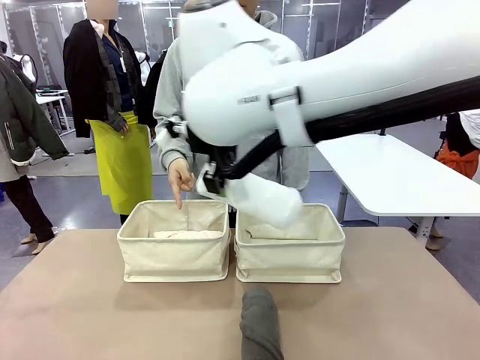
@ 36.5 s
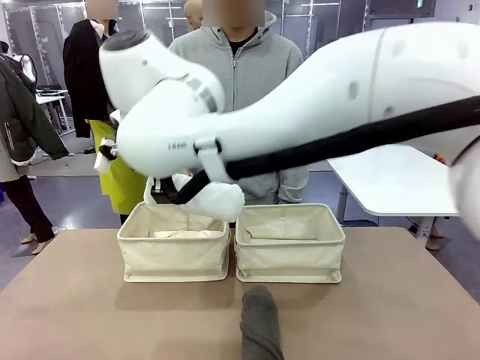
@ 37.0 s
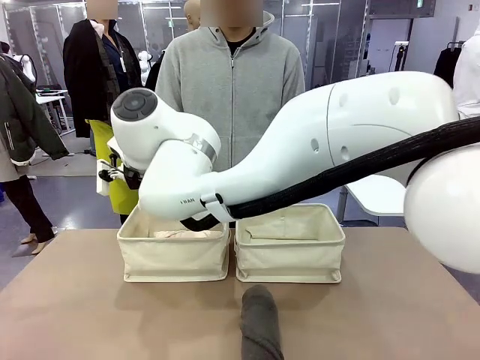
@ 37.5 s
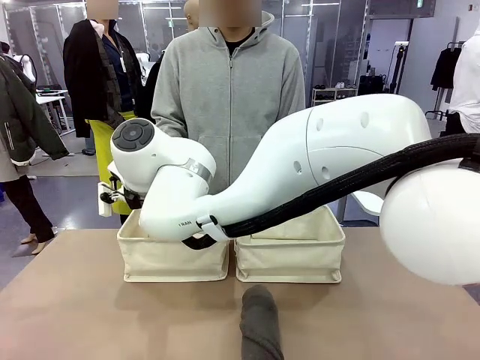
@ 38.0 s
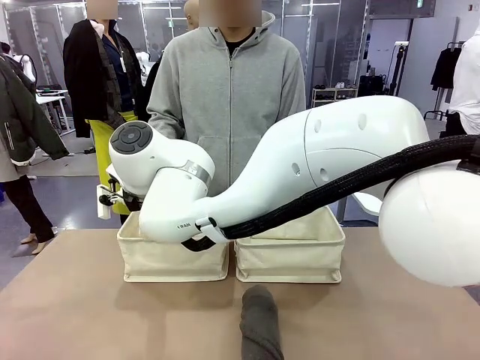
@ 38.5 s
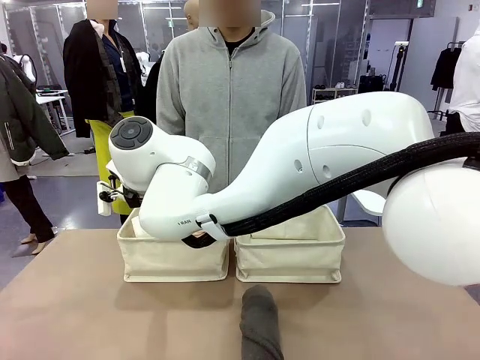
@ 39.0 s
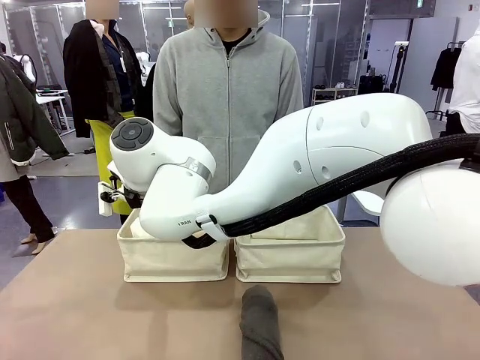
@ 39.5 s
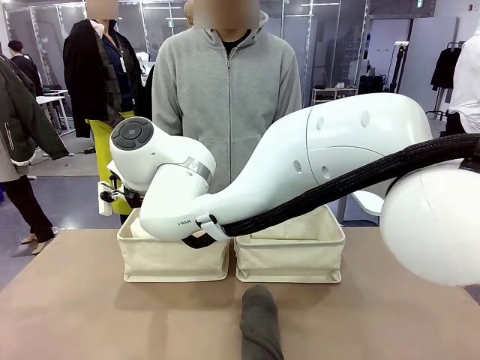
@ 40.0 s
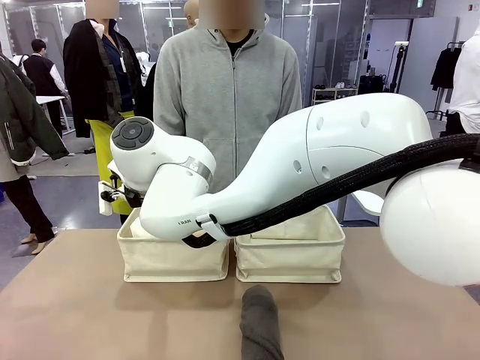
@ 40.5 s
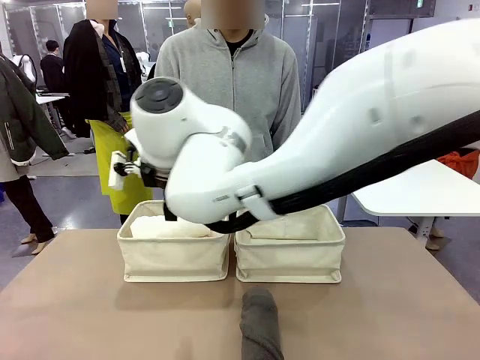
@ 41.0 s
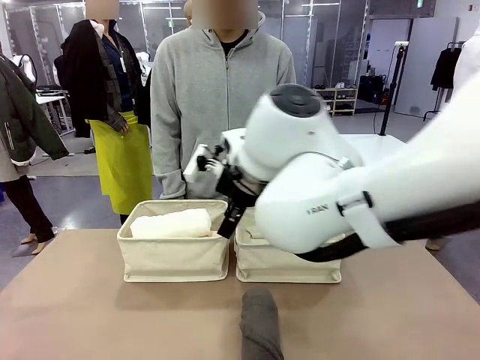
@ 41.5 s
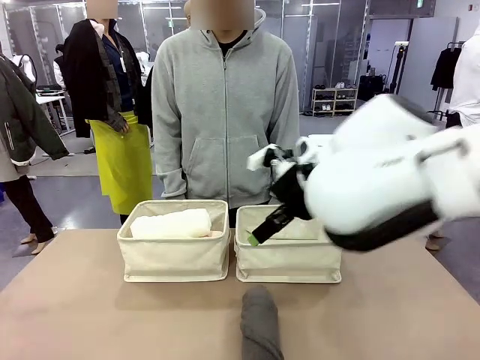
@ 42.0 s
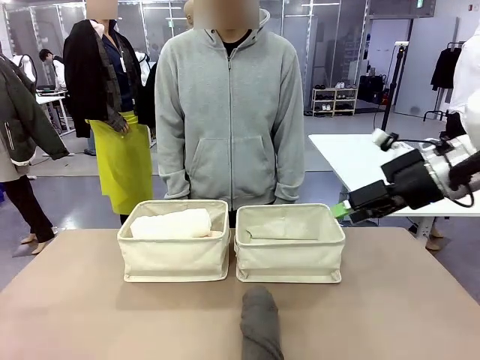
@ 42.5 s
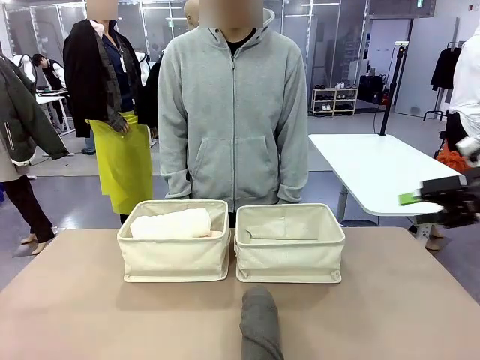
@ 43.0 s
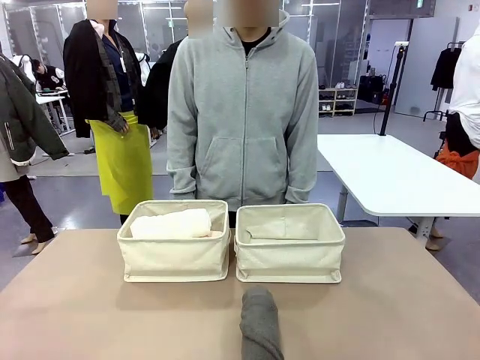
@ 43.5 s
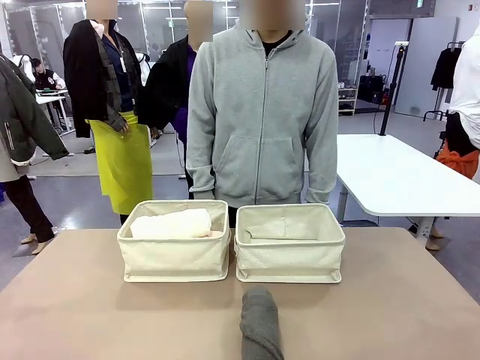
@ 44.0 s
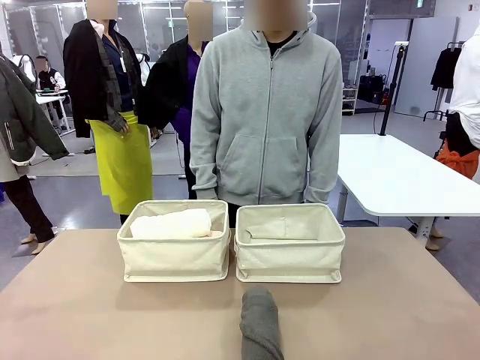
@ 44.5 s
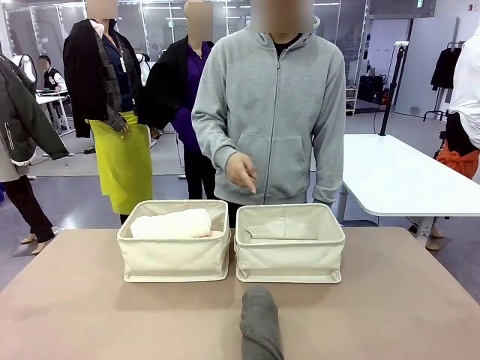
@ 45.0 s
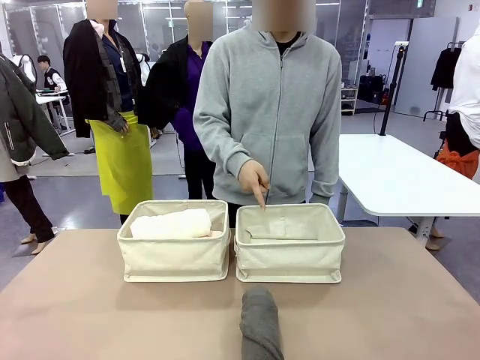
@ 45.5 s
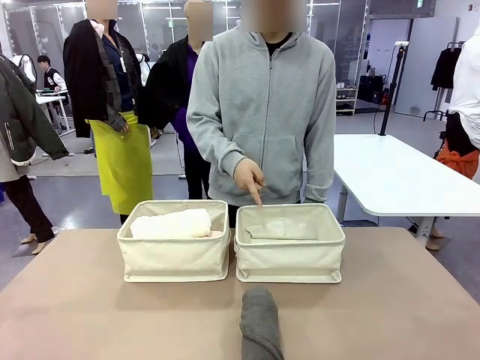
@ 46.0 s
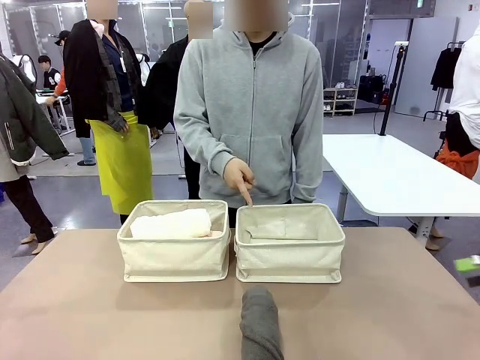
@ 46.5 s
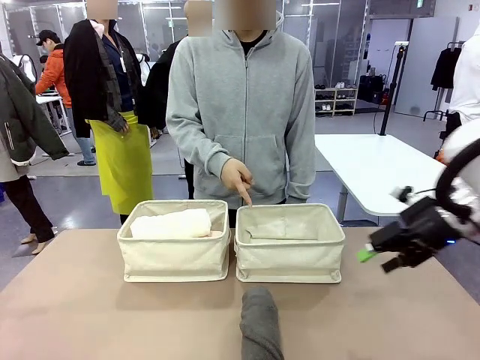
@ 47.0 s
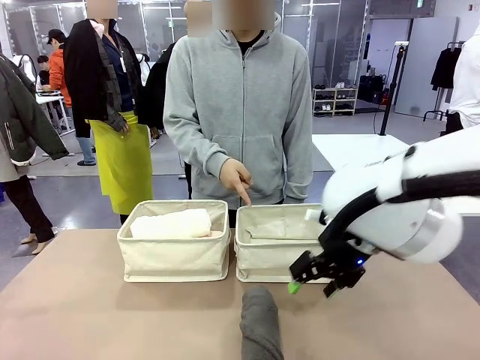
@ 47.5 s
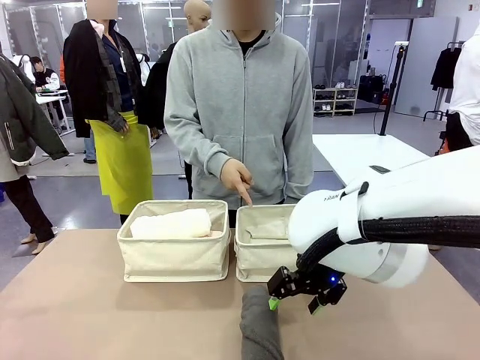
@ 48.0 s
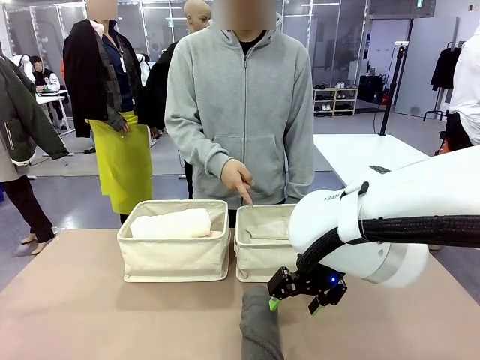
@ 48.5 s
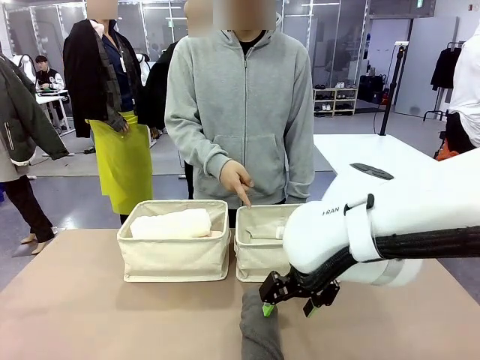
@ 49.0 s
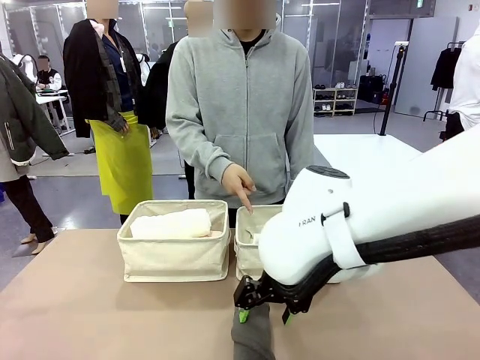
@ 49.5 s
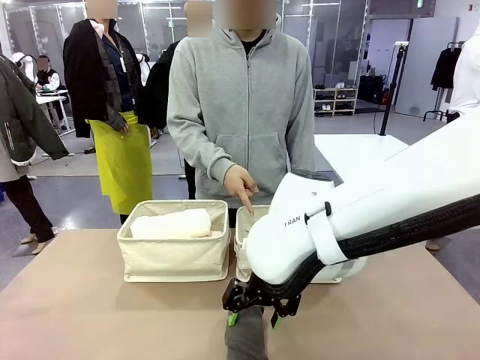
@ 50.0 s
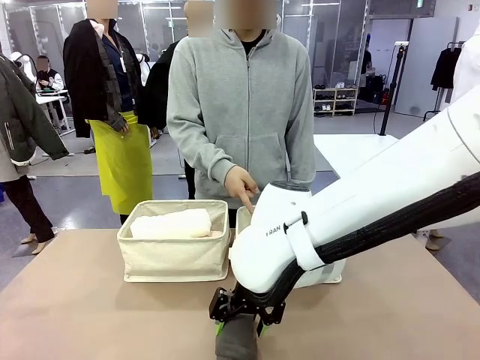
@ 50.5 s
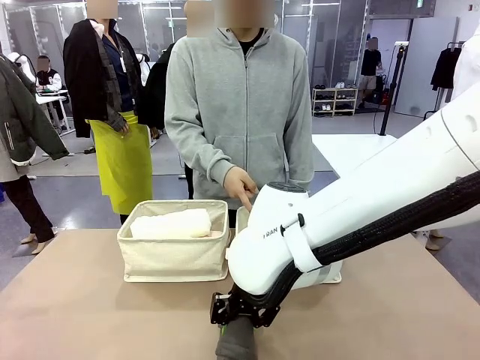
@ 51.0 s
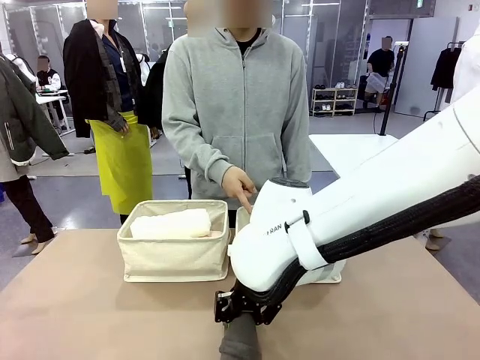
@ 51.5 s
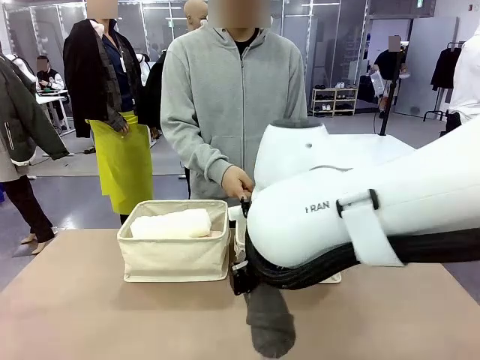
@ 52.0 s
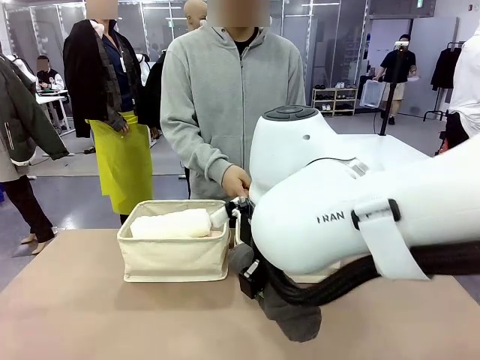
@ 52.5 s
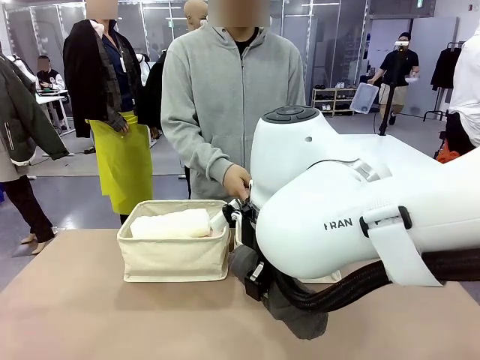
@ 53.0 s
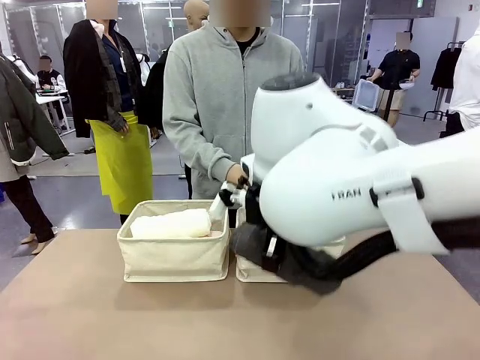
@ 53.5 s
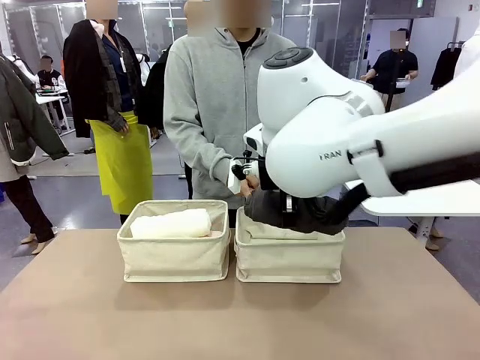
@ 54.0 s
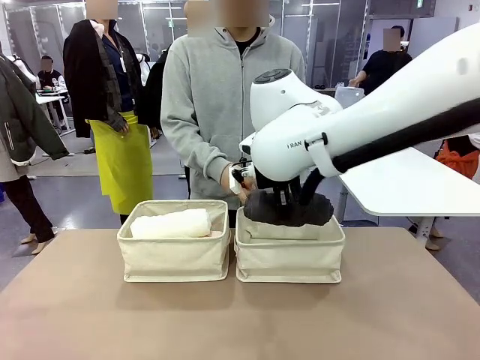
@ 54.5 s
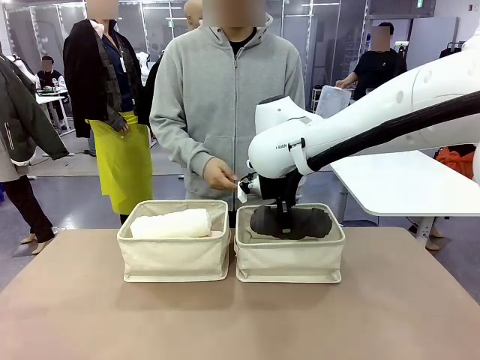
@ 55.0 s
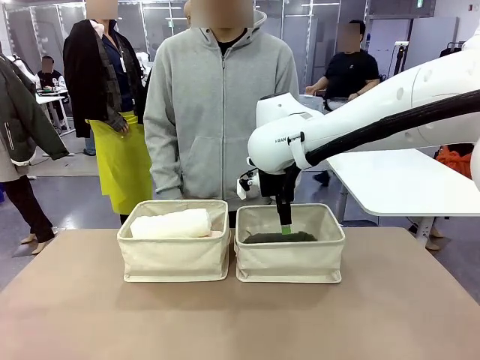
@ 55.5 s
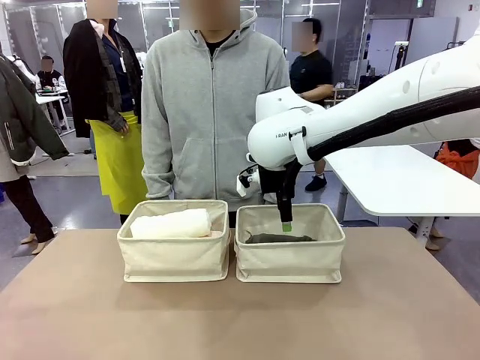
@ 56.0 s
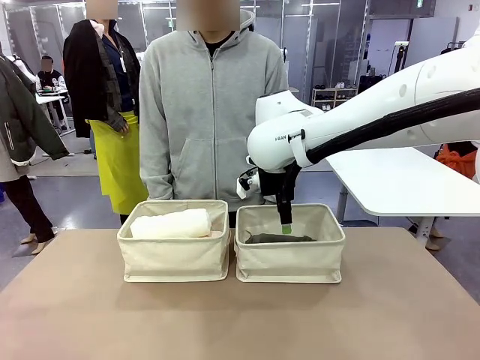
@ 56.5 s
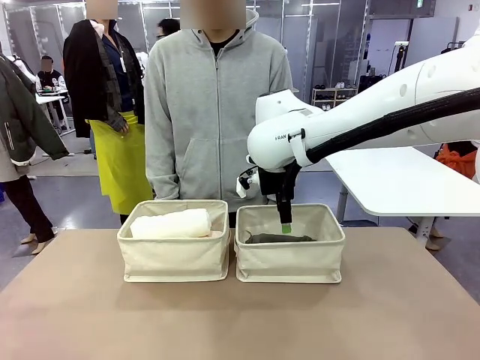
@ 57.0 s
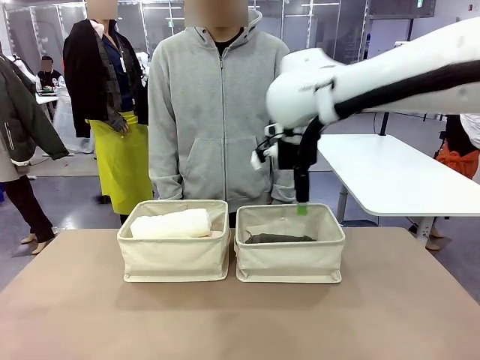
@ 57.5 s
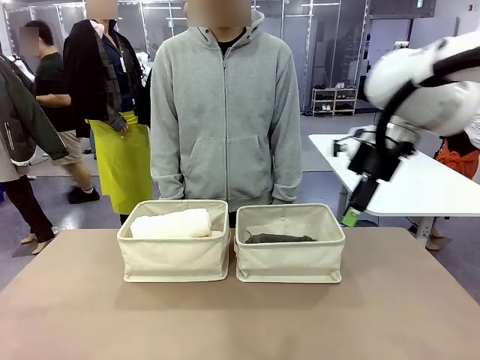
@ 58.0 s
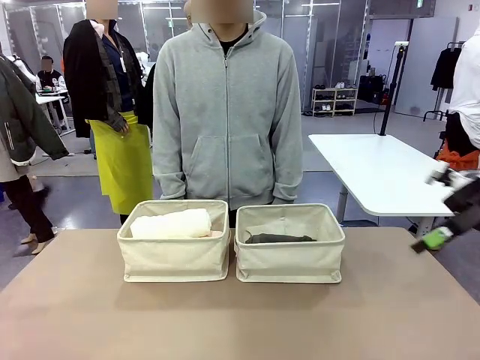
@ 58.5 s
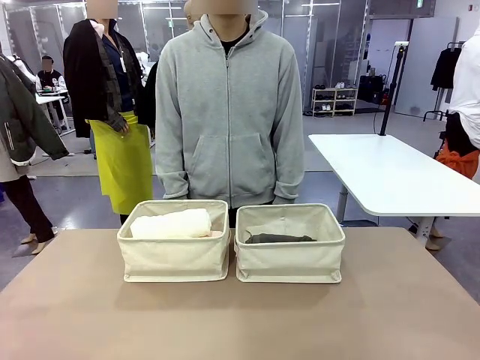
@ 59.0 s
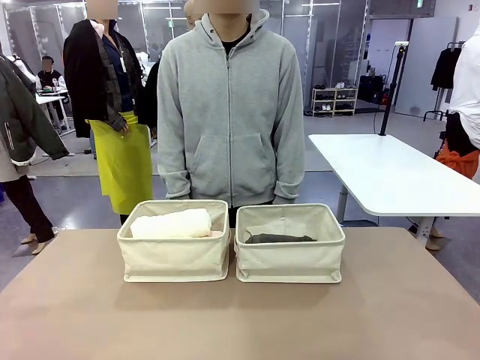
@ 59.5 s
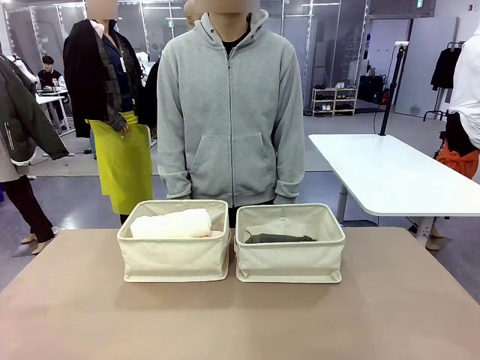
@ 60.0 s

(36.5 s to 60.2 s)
Task: Divide the towels into two baskets.
Robot: Pick up one hotel-folded towel from the bottom of the table and place it in the Fabric basket indicated by the person.
